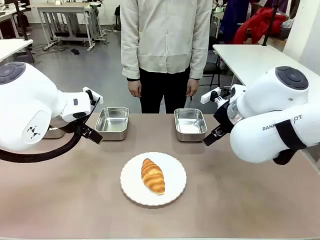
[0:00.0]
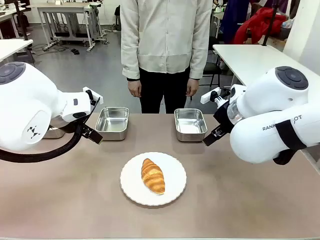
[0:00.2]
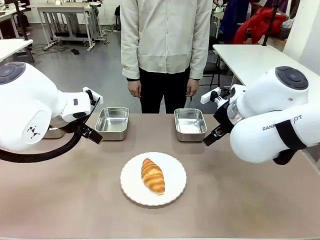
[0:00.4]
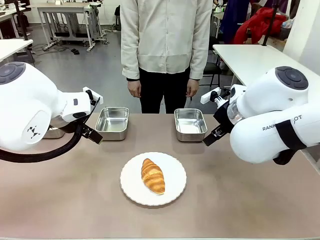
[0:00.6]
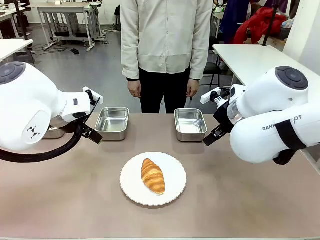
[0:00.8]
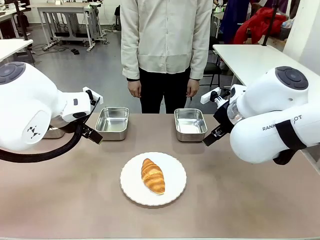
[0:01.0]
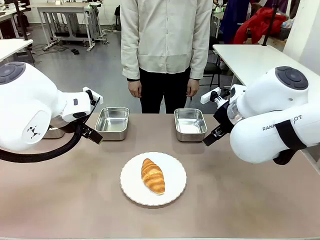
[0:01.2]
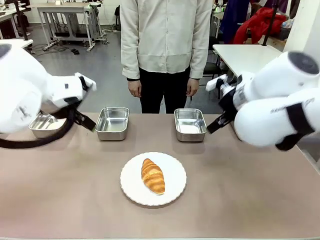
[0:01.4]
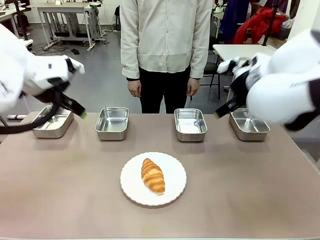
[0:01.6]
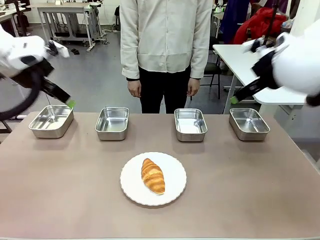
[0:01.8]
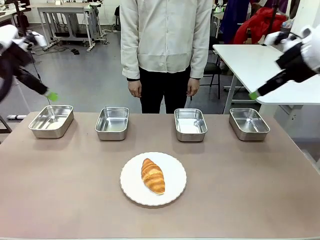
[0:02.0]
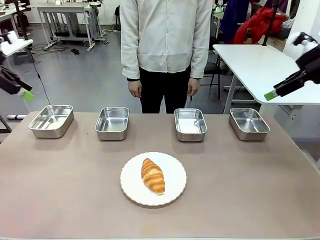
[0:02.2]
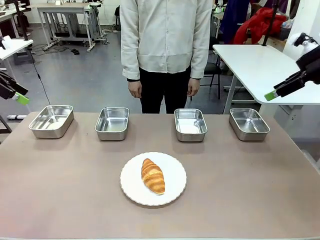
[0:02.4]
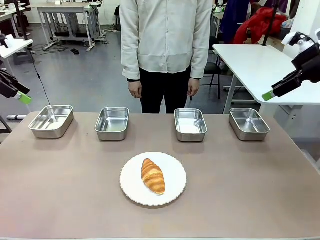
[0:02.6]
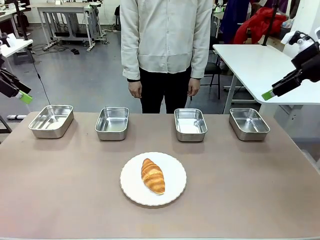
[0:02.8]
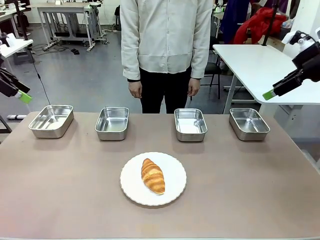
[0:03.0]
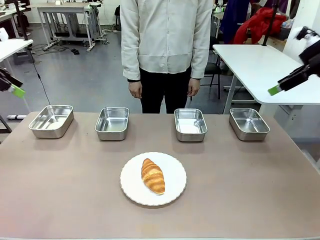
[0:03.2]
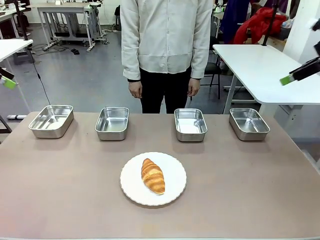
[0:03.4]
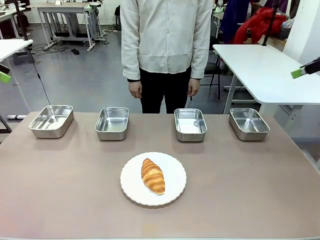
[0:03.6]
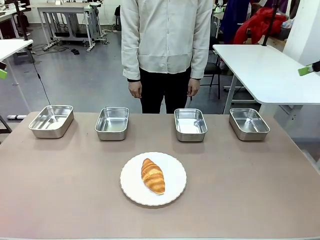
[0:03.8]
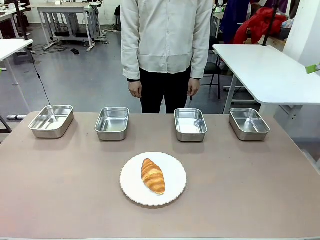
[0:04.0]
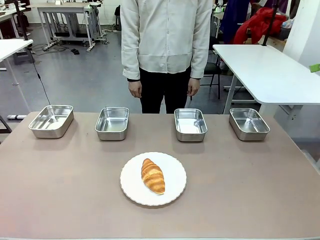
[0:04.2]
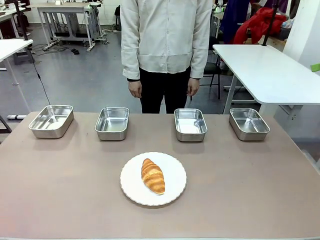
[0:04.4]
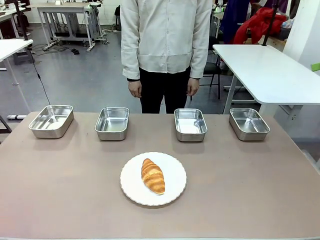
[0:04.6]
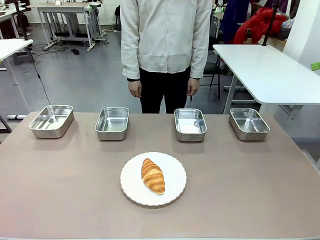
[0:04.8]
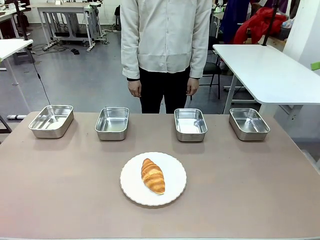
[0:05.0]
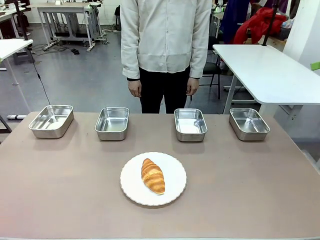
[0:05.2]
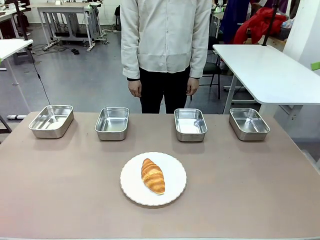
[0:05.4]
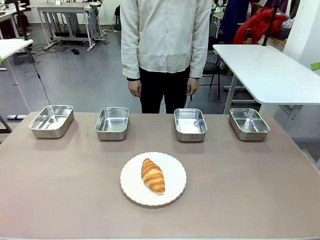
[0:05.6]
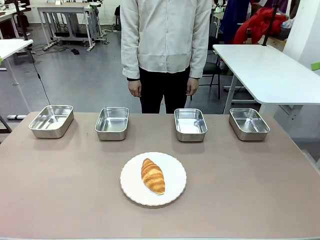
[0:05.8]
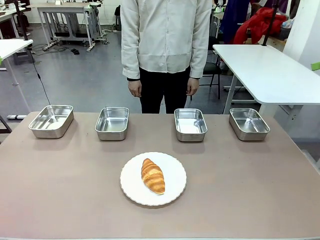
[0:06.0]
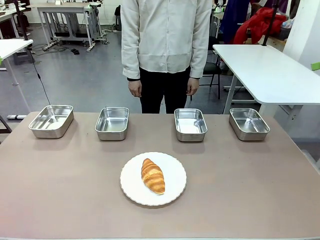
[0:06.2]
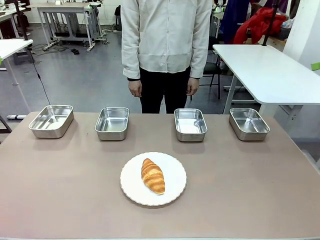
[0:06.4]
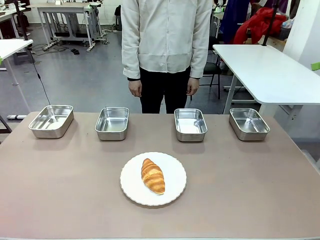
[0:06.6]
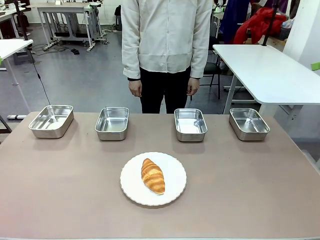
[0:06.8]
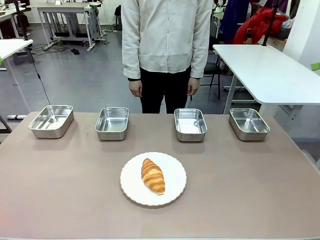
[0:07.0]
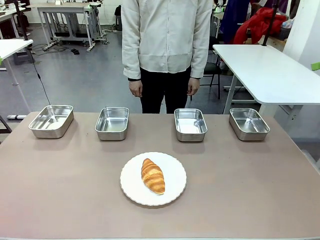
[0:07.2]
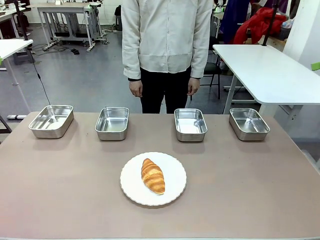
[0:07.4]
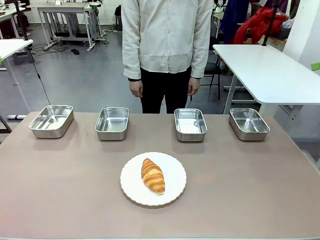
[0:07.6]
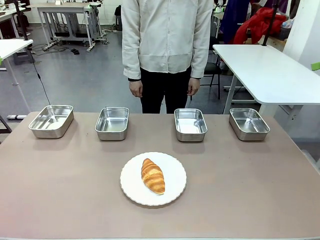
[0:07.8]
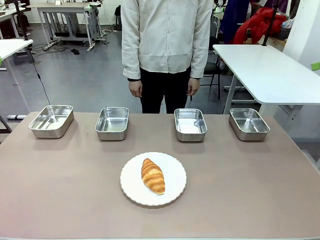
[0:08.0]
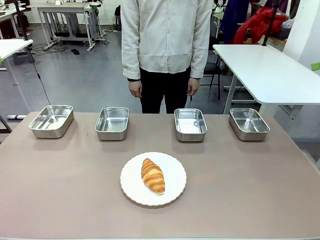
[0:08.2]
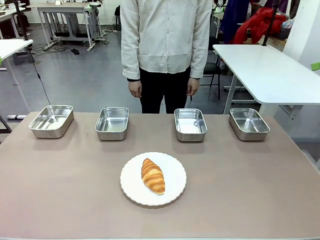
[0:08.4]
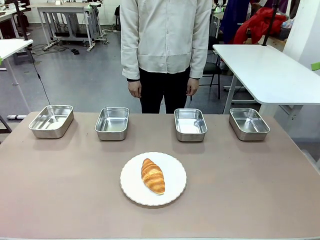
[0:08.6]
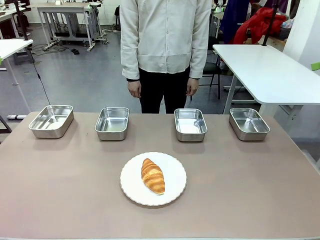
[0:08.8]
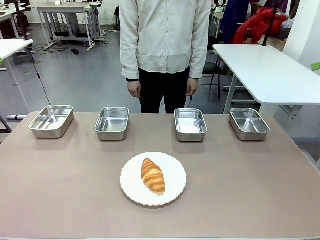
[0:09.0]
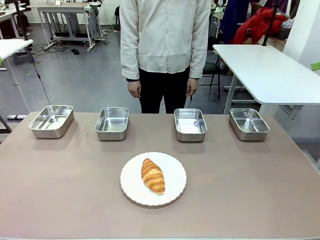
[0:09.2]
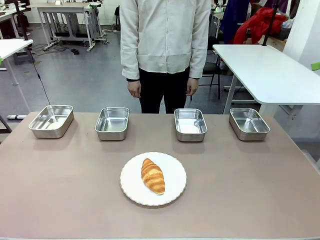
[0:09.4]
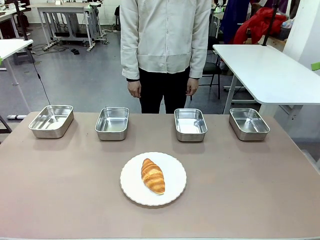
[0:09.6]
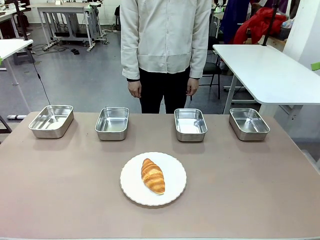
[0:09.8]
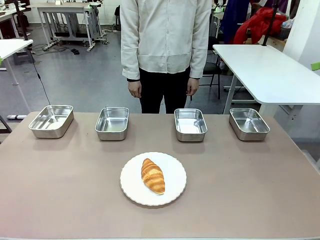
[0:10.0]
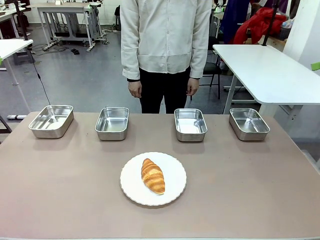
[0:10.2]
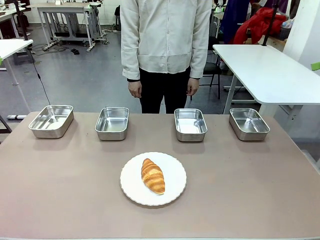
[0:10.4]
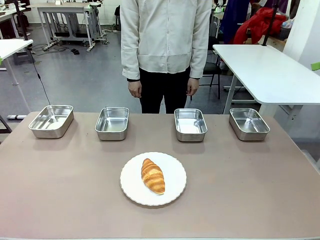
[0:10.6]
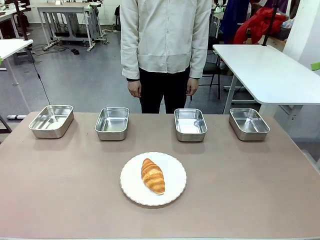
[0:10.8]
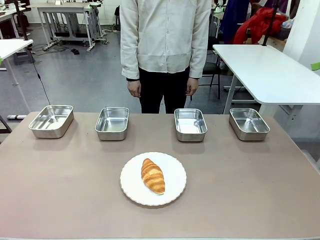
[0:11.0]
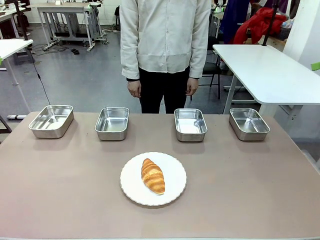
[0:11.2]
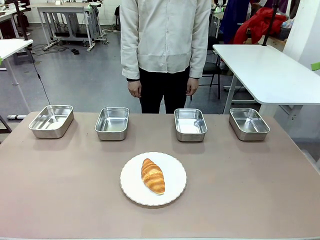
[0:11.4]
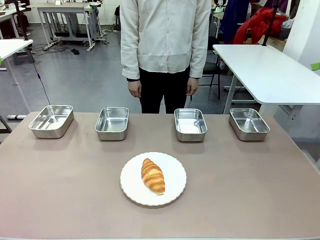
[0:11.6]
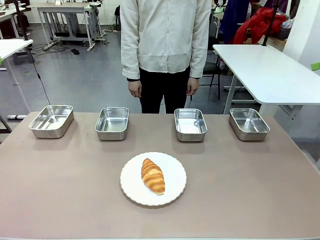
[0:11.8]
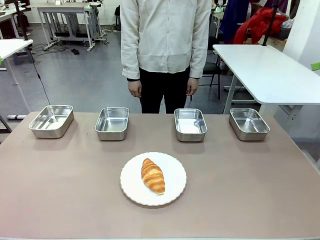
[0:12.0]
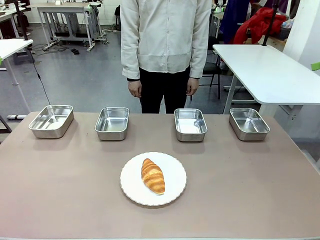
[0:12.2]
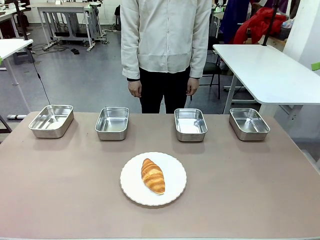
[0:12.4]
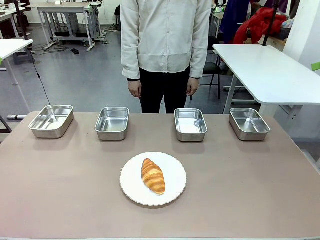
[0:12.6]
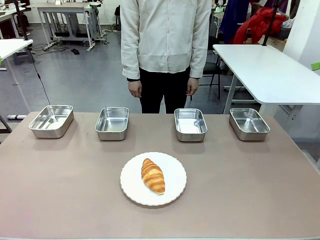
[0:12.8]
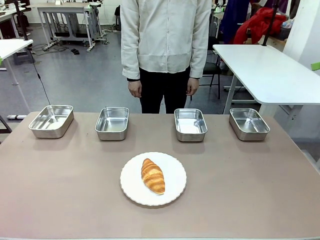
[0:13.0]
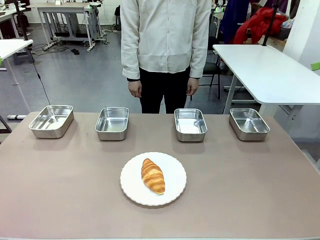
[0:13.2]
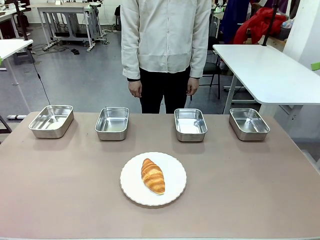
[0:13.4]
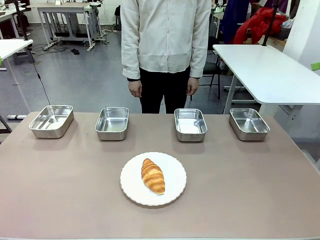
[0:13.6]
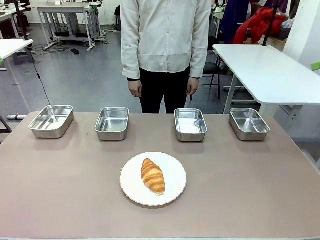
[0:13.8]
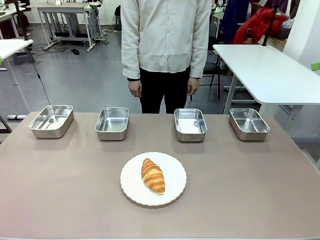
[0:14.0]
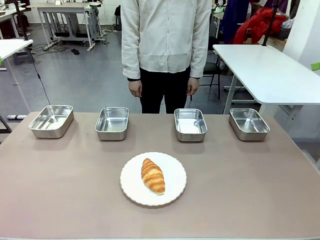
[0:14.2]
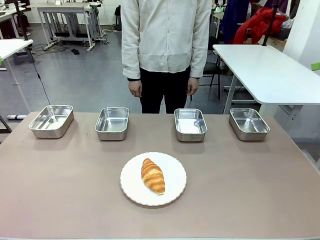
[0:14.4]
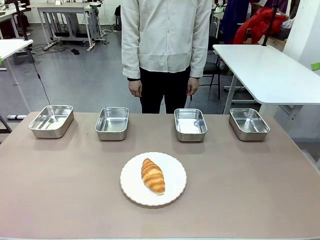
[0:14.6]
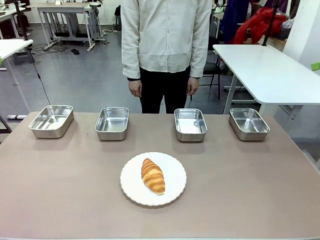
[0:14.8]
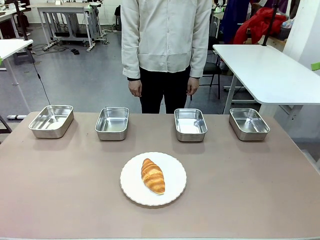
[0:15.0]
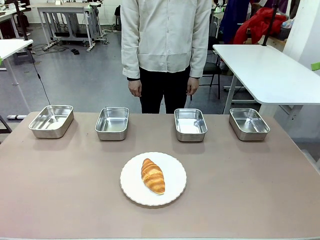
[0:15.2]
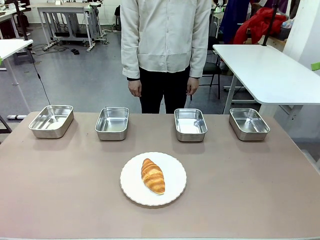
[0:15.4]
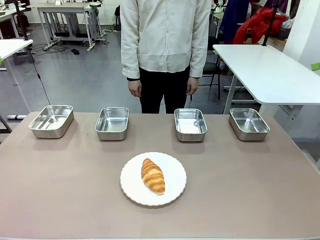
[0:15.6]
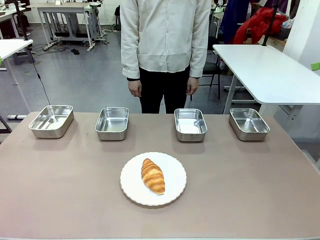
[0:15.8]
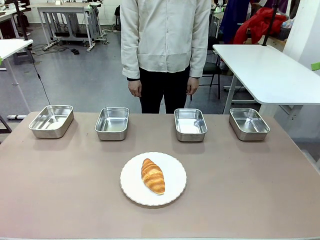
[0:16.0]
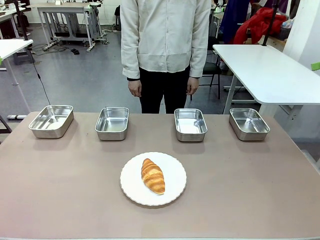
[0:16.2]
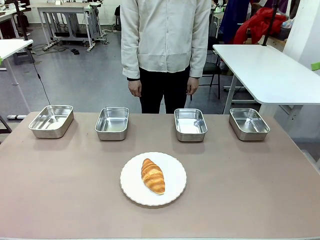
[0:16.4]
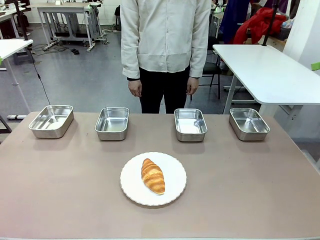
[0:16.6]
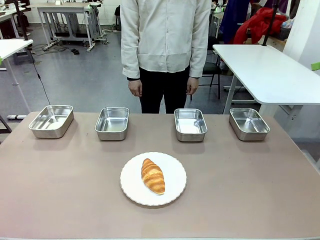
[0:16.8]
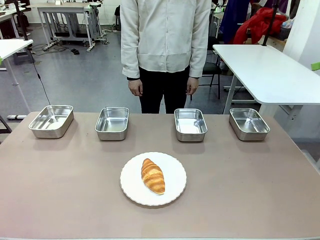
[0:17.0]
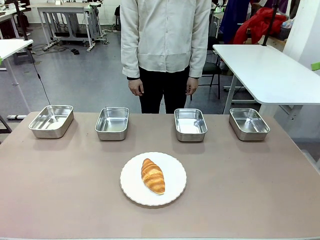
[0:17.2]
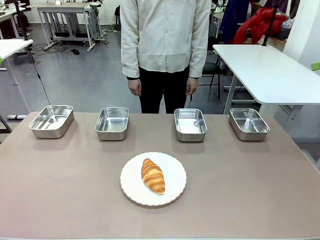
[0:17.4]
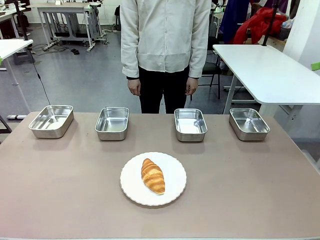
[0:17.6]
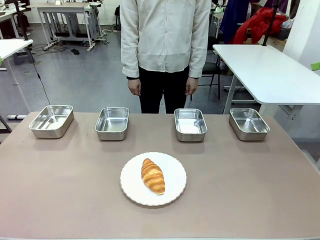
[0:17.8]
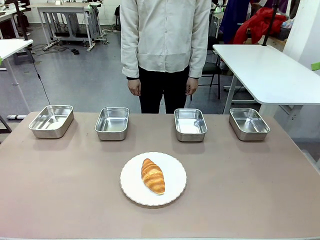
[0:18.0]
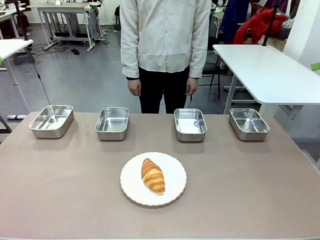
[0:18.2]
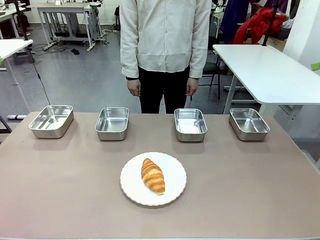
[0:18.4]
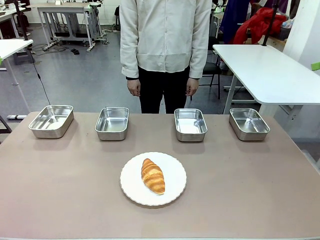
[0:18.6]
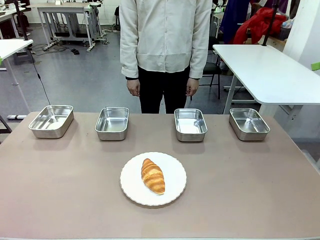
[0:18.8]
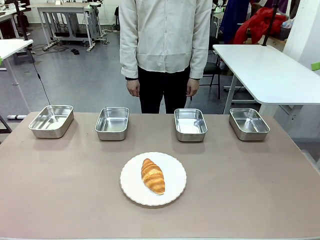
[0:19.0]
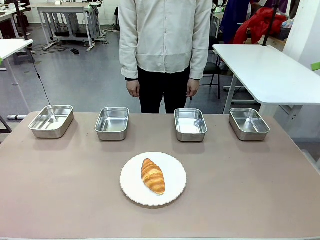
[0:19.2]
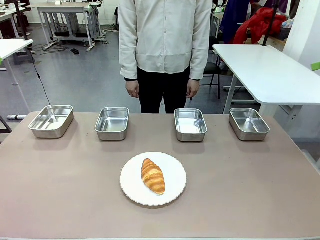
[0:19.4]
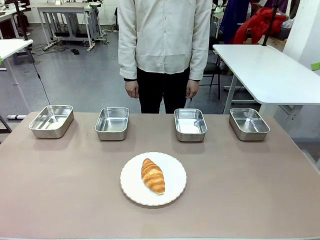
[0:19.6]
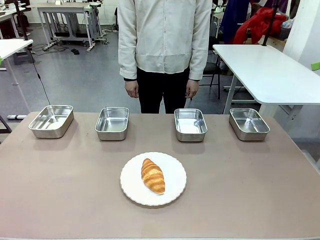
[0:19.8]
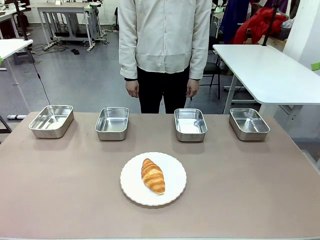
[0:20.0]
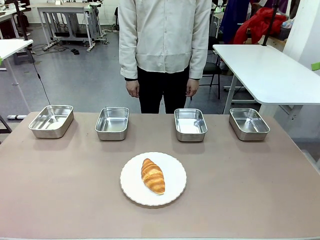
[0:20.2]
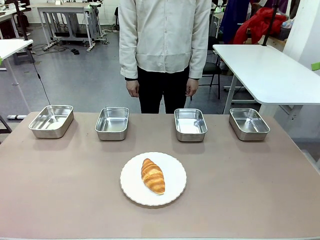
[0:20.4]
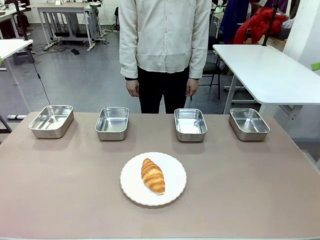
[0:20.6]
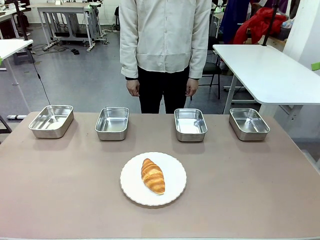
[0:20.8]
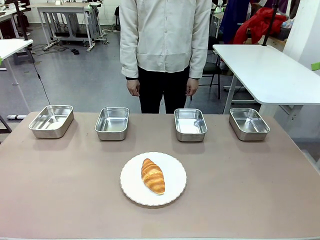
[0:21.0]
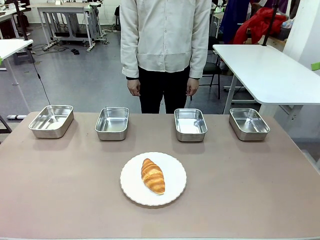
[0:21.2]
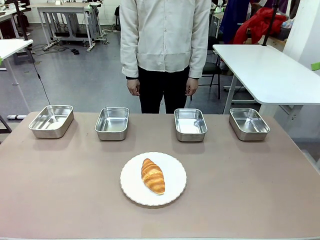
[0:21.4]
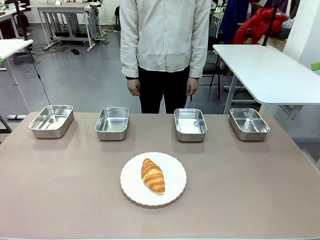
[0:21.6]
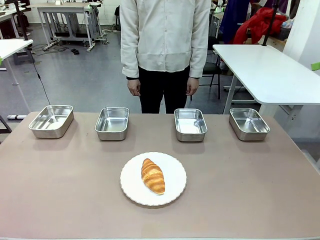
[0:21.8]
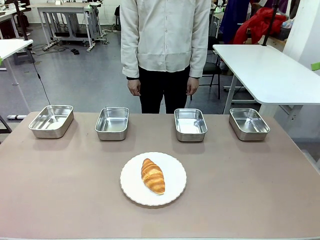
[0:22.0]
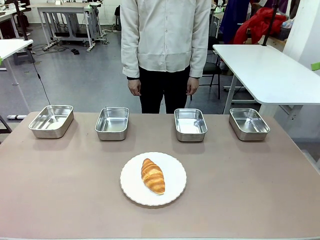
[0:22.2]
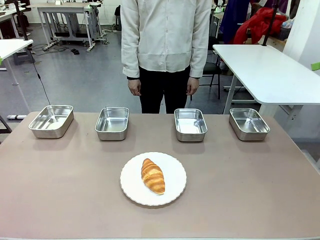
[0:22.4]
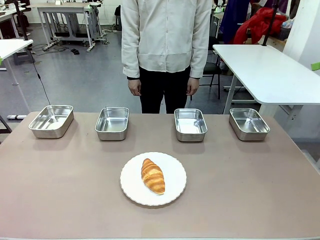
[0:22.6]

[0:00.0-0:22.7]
Task: Place the bread in the container.
Robot: Place the Butter Roll into the Airtight Container indicated by the human.
